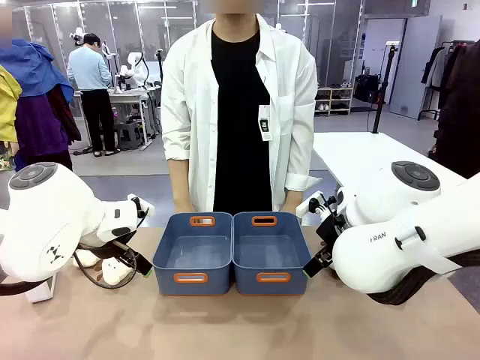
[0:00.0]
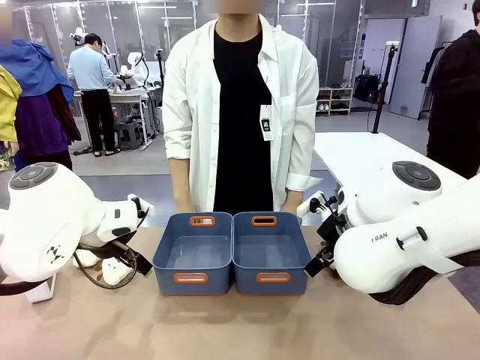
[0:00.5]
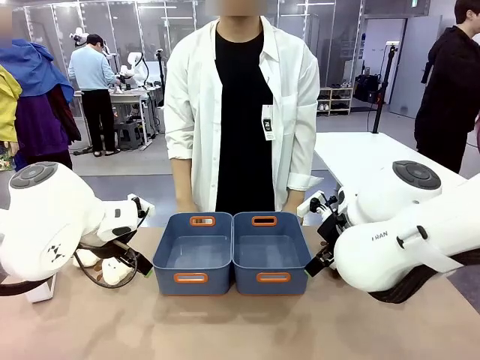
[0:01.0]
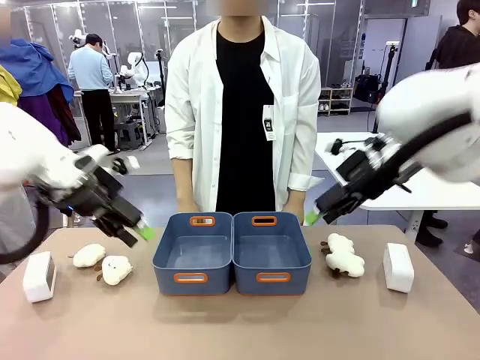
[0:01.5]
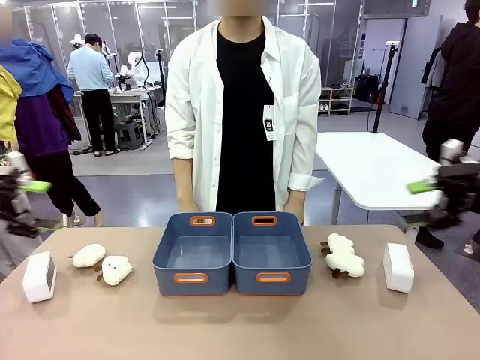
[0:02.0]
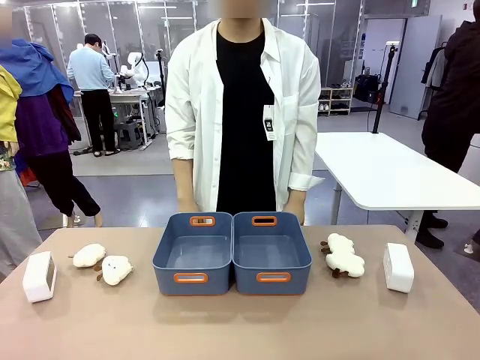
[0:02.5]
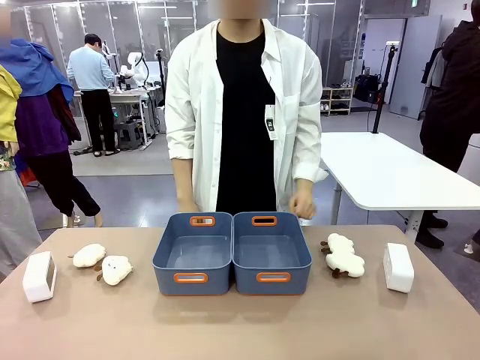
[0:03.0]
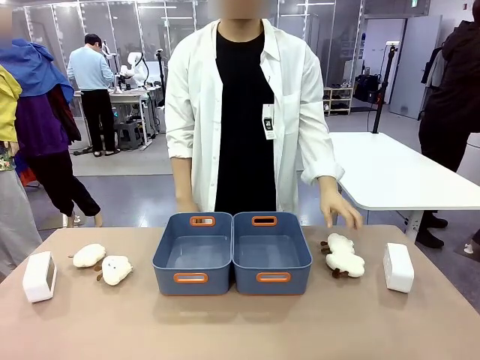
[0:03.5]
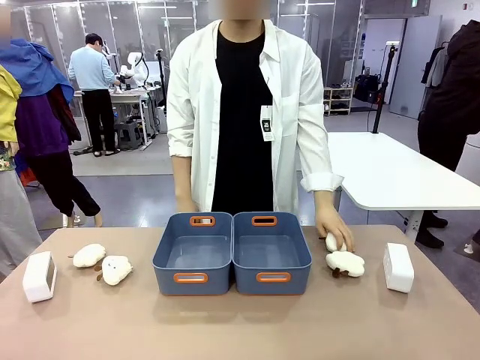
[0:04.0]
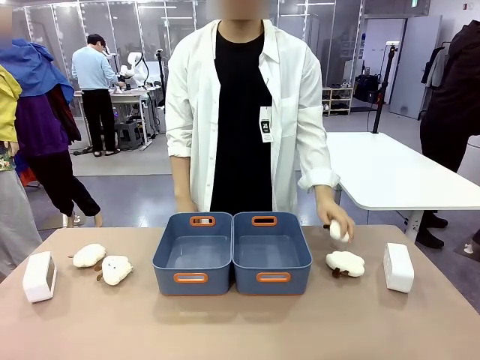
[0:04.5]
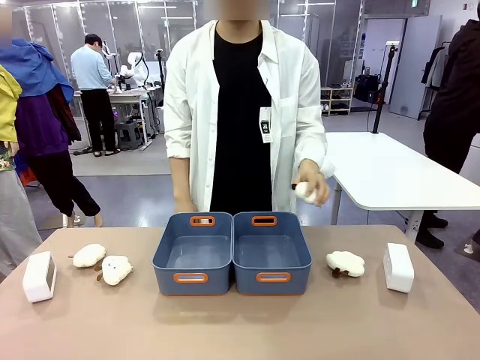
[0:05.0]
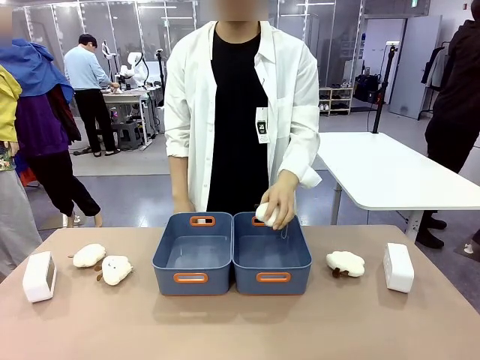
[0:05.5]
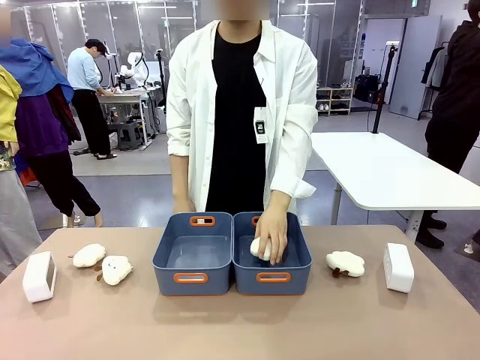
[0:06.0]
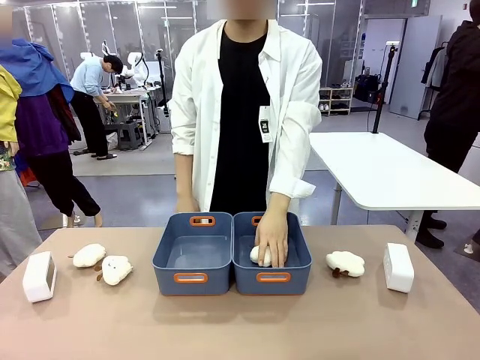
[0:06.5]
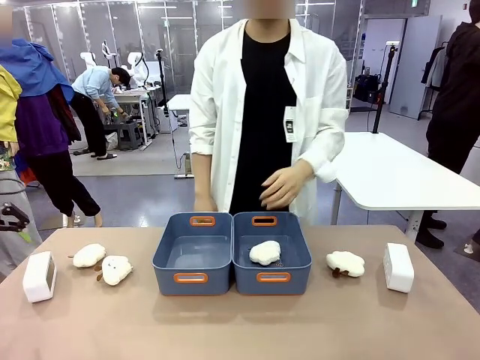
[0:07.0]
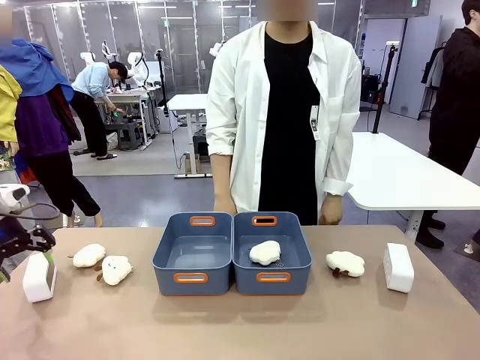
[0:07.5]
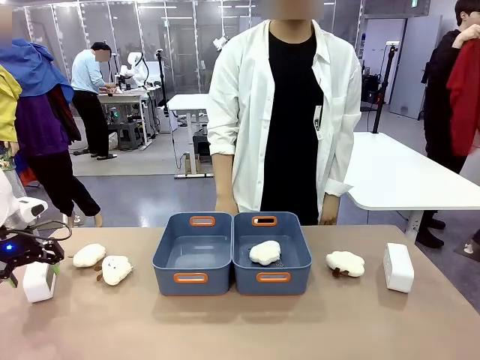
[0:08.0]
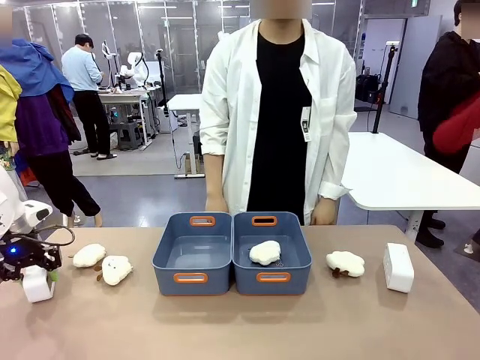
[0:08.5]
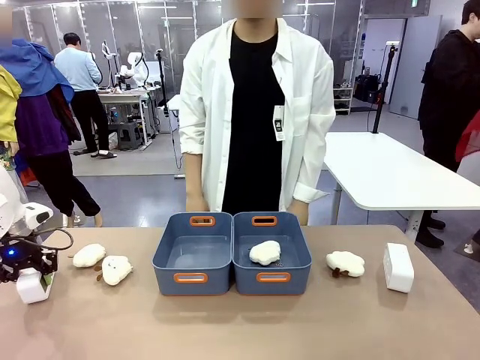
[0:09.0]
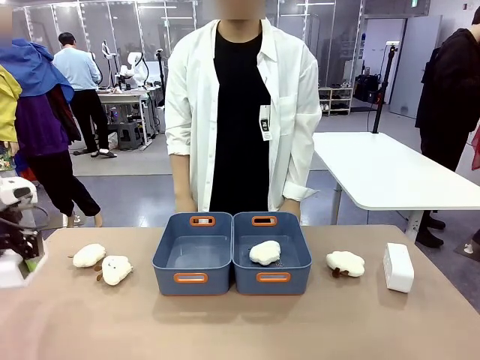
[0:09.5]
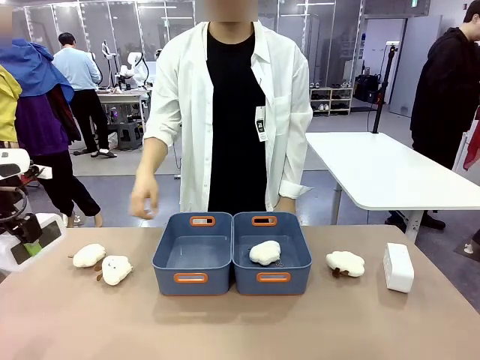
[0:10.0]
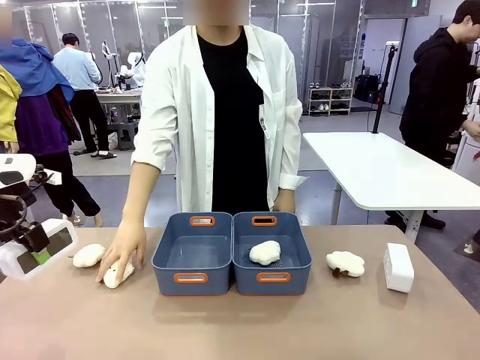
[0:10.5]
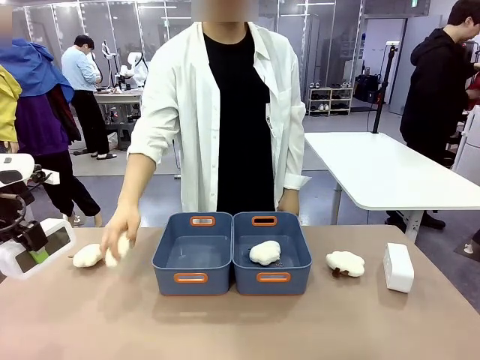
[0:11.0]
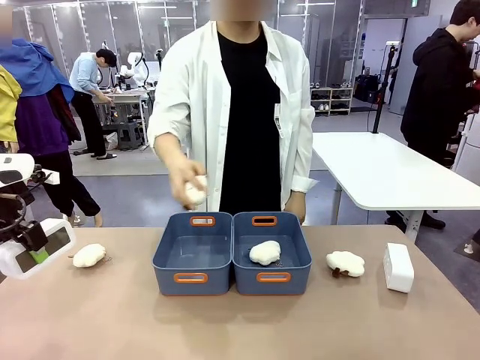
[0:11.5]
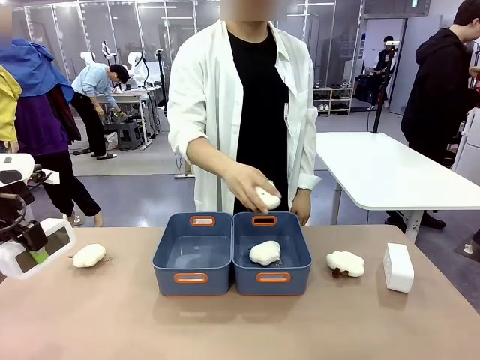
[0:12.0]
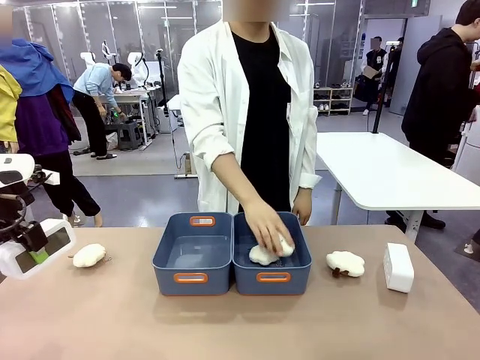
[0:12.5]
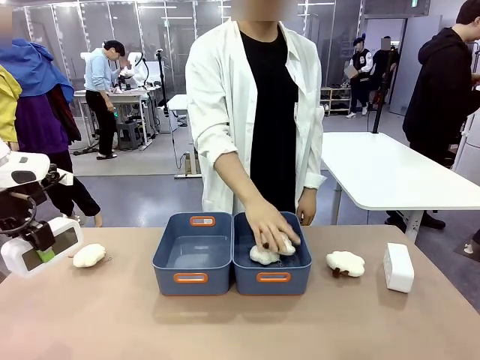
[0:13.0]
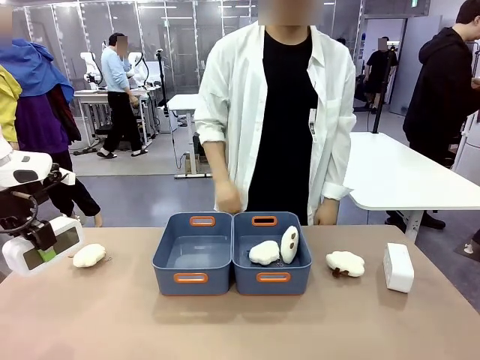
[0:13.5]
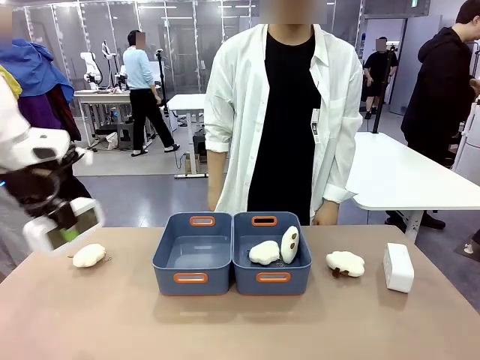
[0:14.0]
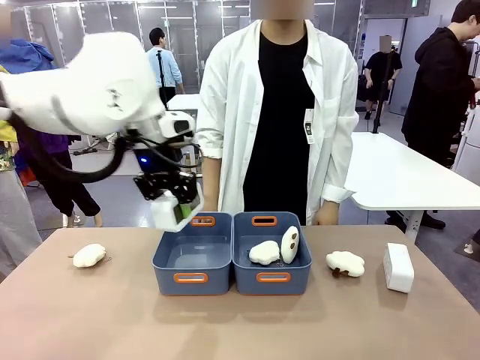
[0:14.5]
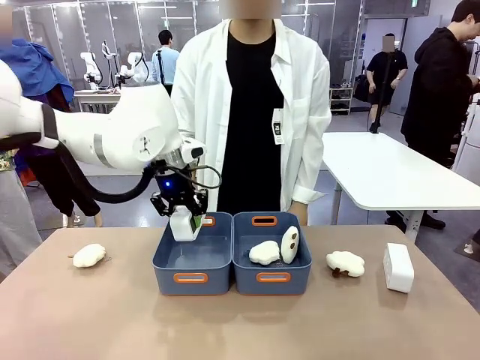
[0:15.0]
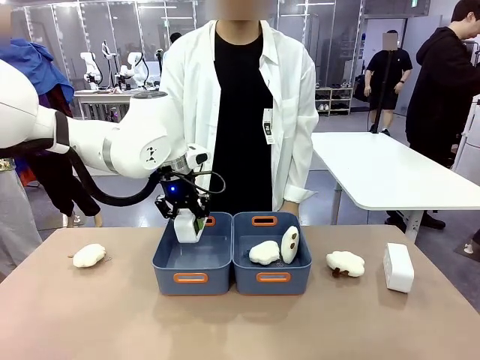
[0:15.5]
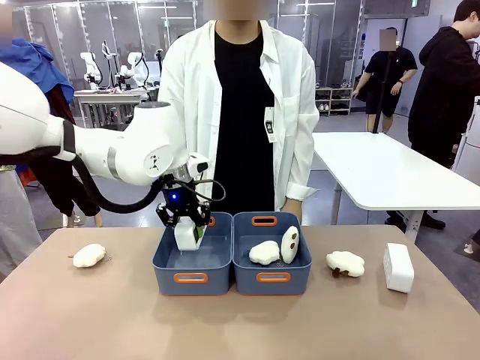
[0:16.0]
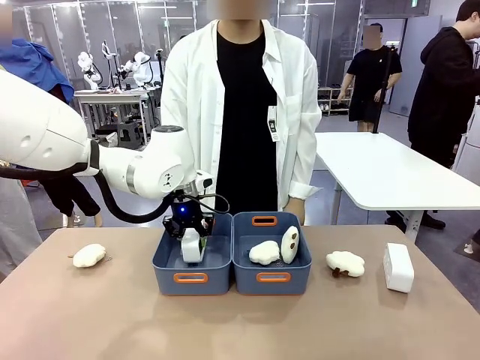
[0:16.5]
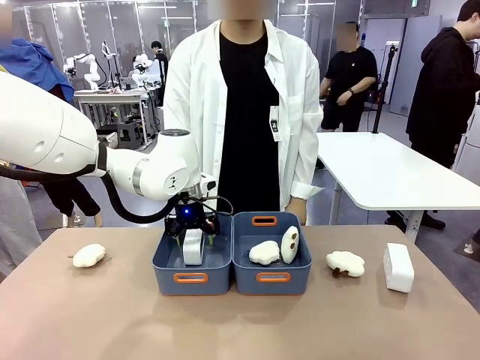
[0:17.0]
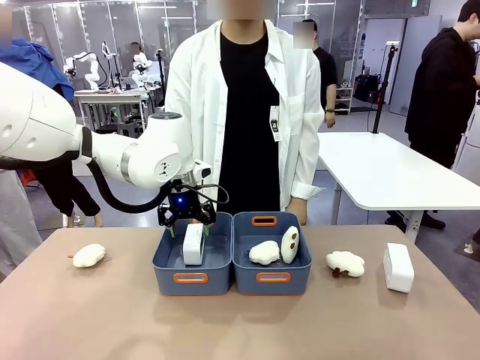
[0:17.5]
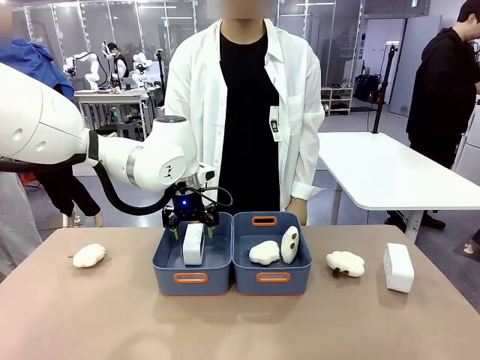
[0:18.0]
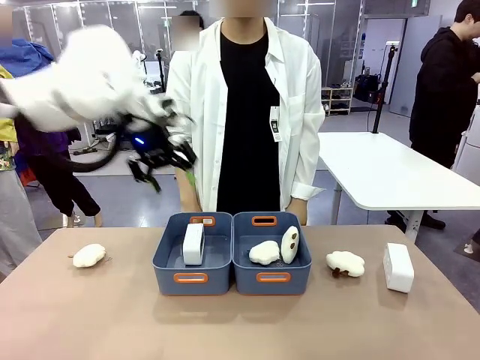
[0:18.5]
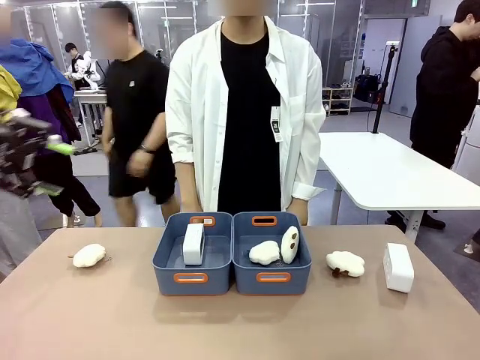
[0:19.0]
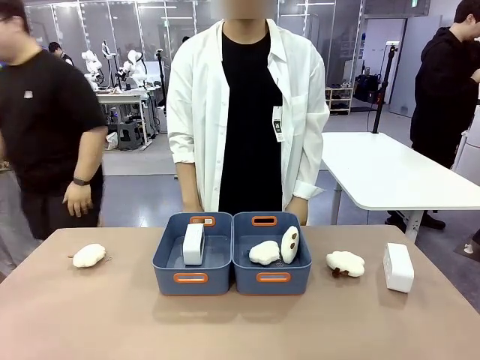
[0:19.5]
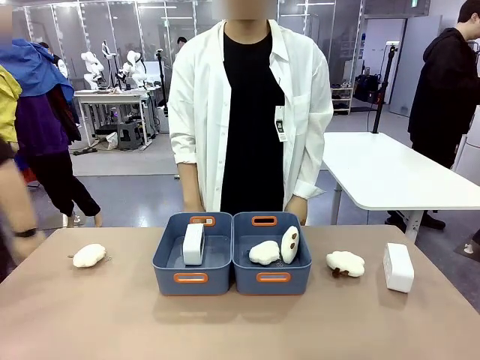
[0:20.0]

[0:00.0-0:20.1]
Task: Sort the digital clocks into the basket.
Robot: Pick up the Digital clock from the table and place it into the empty Plastic storage basket.
Person: Pick up a plush toy from the table and place it in a plastic storage basket.
